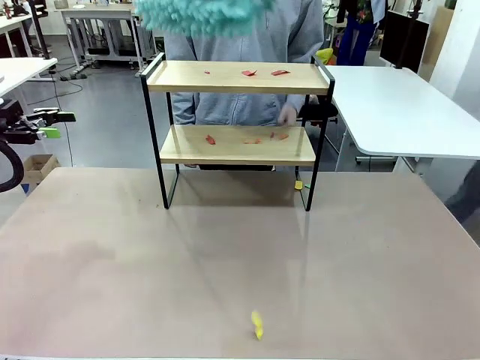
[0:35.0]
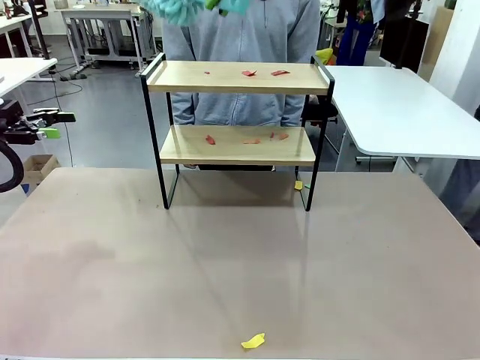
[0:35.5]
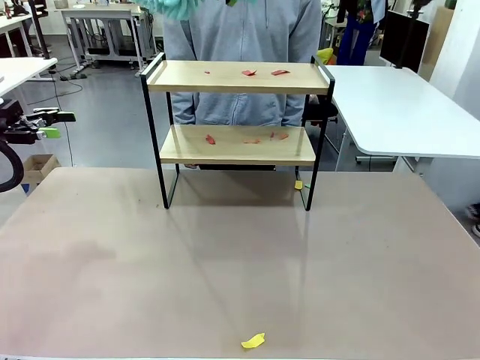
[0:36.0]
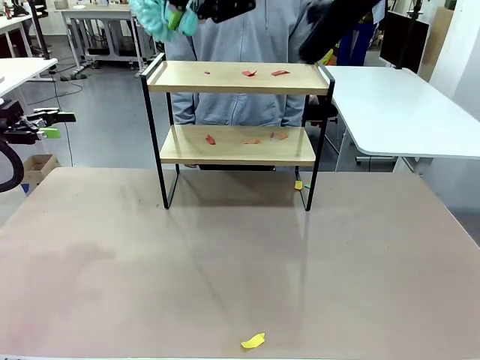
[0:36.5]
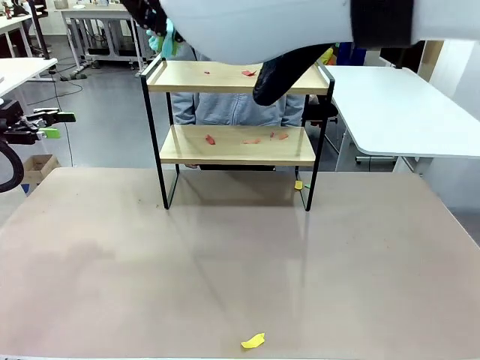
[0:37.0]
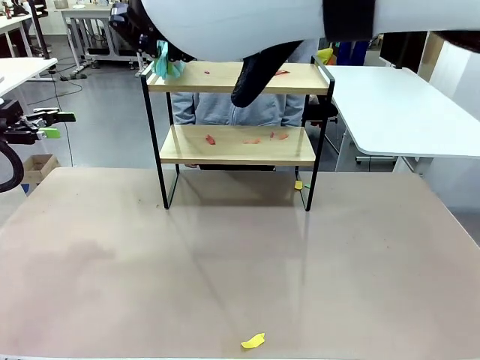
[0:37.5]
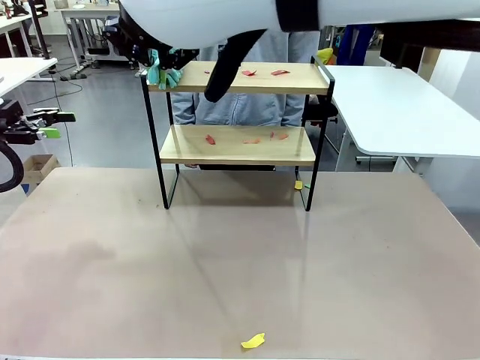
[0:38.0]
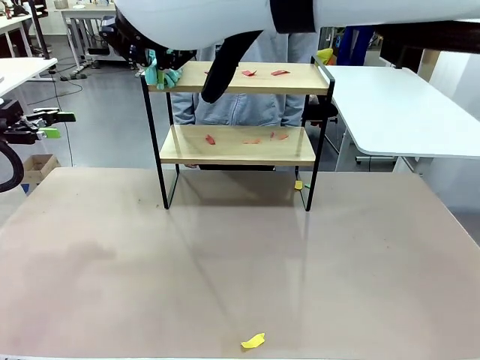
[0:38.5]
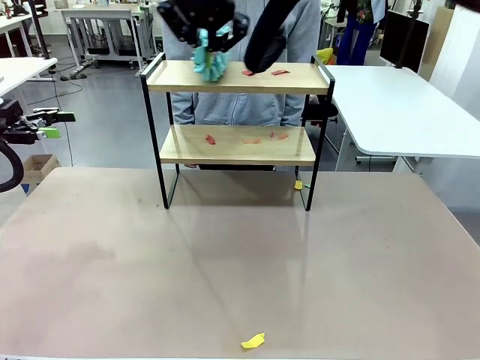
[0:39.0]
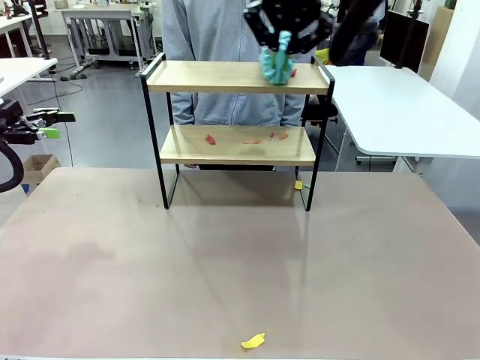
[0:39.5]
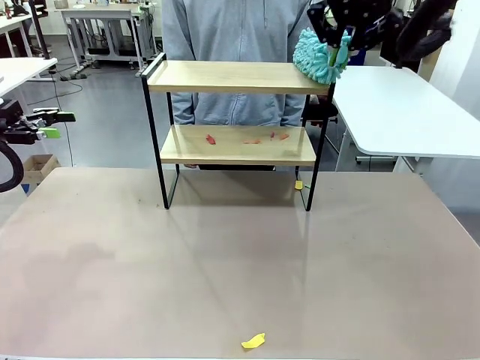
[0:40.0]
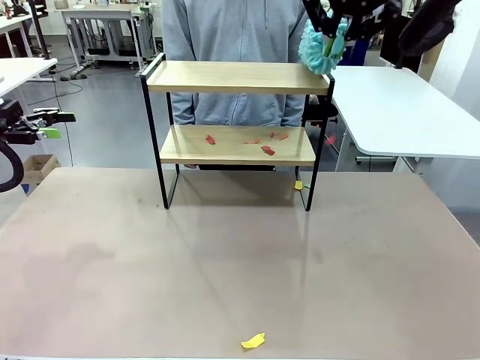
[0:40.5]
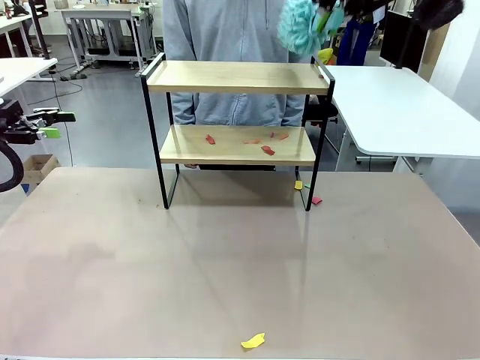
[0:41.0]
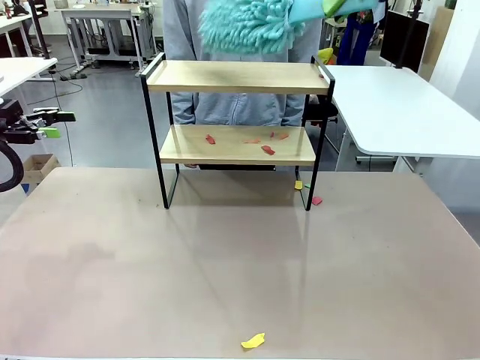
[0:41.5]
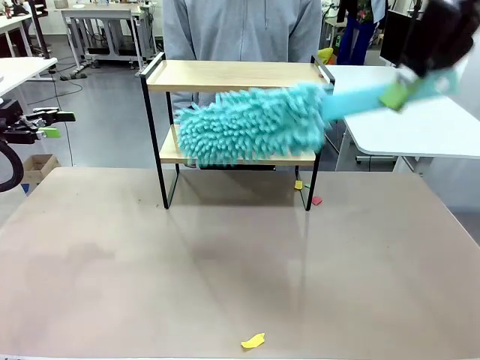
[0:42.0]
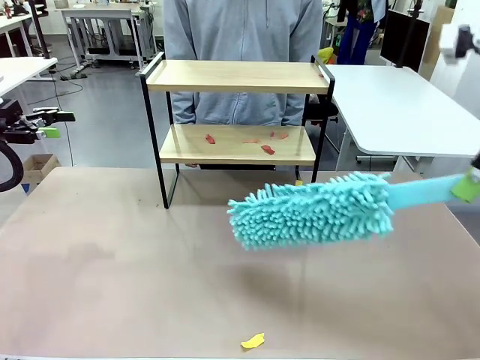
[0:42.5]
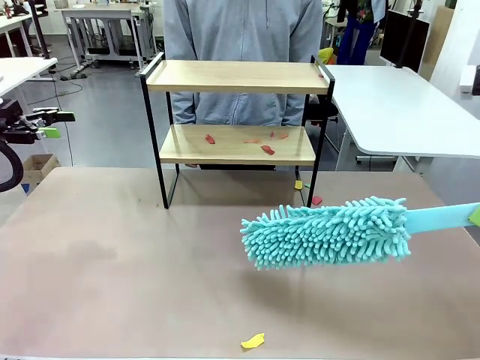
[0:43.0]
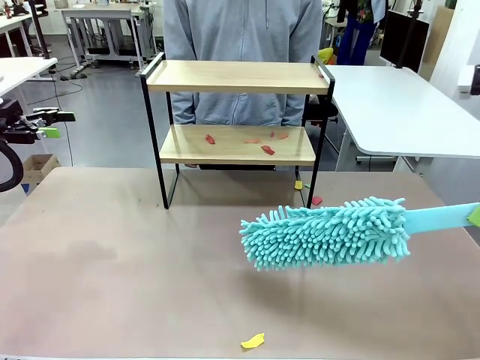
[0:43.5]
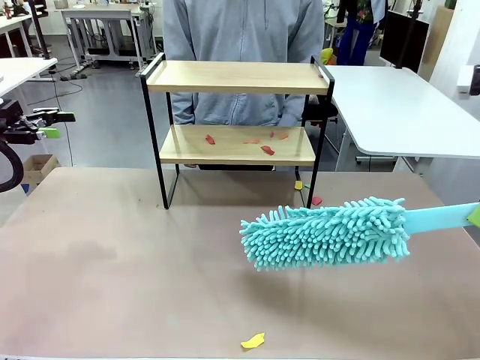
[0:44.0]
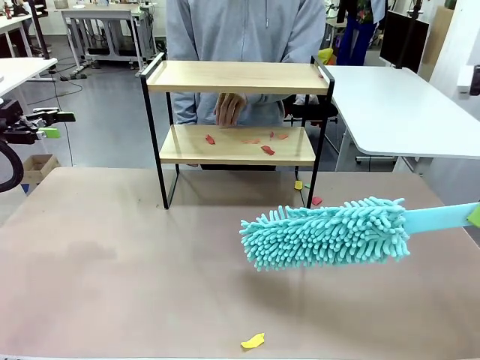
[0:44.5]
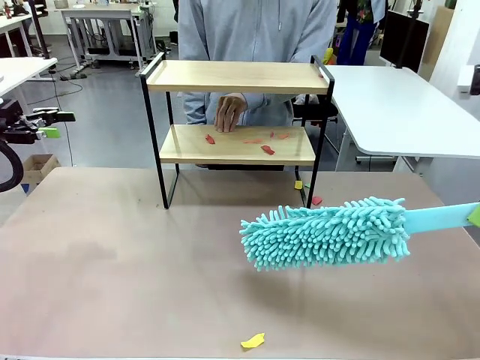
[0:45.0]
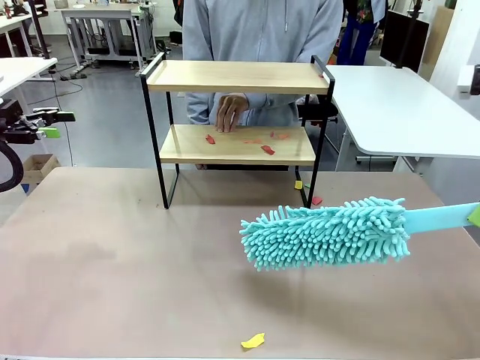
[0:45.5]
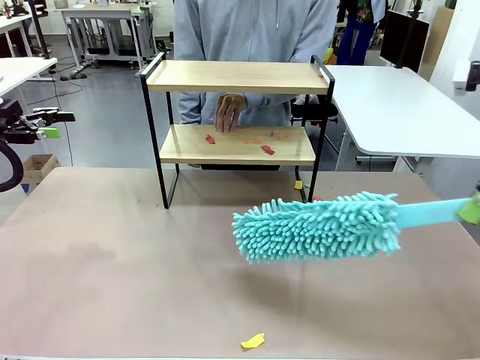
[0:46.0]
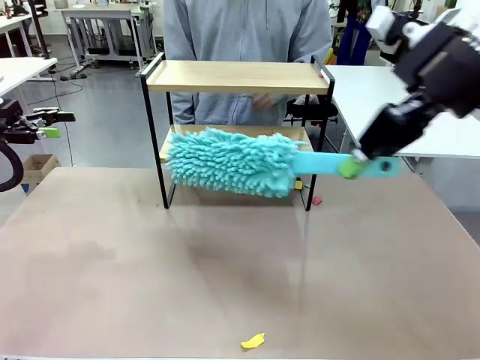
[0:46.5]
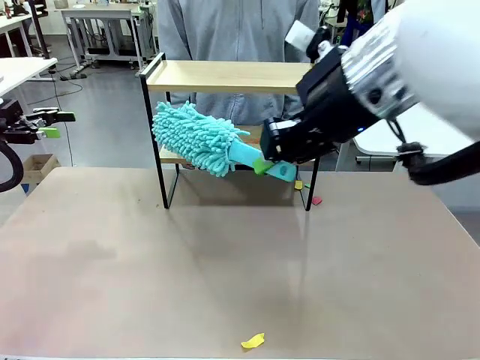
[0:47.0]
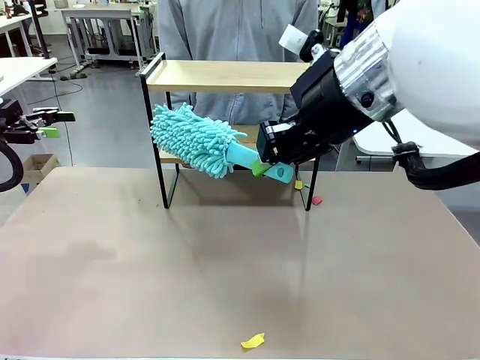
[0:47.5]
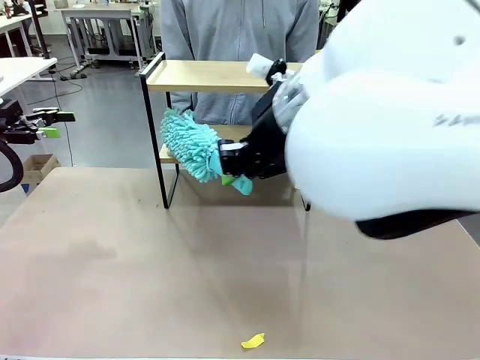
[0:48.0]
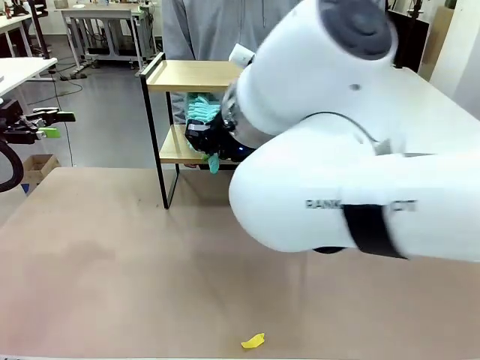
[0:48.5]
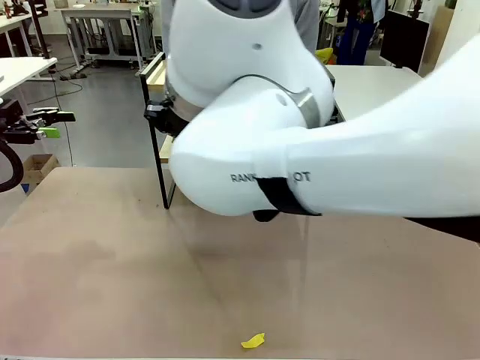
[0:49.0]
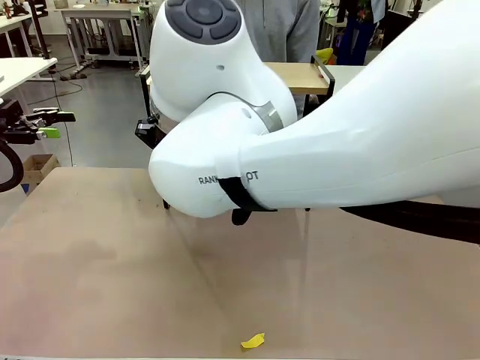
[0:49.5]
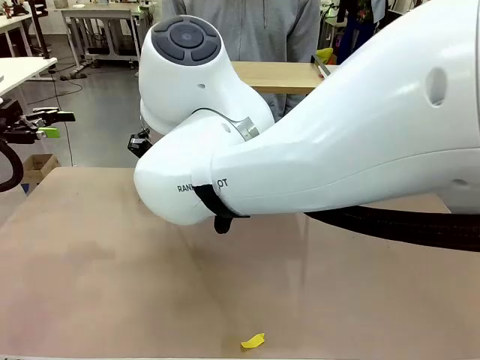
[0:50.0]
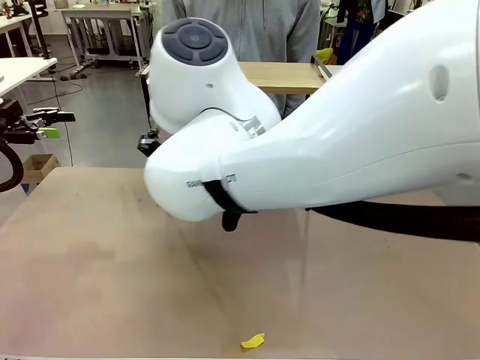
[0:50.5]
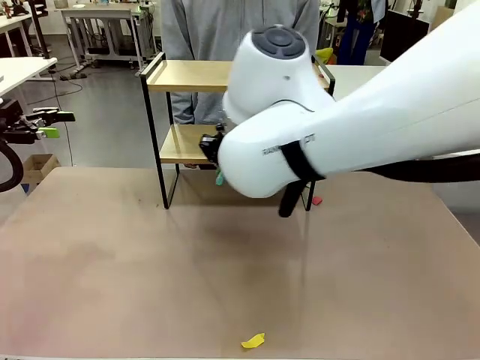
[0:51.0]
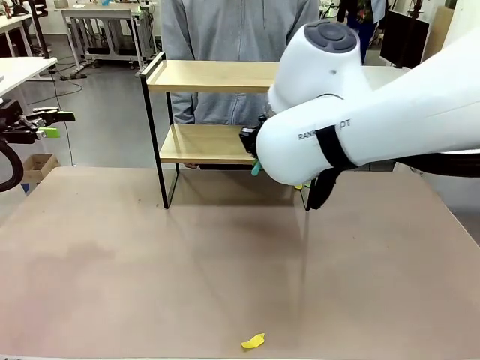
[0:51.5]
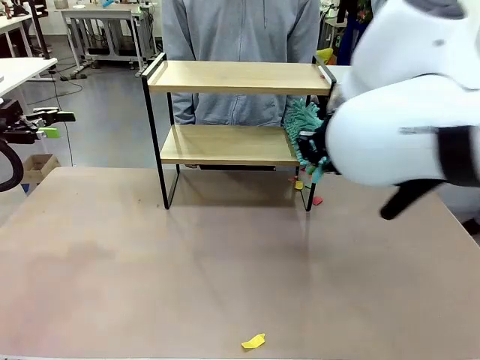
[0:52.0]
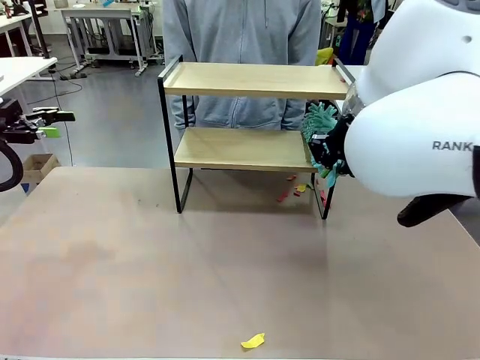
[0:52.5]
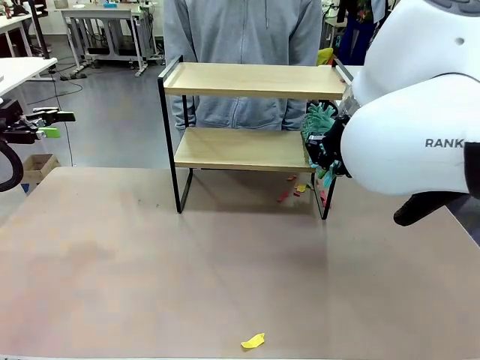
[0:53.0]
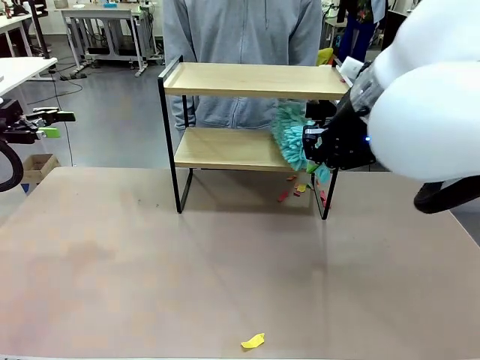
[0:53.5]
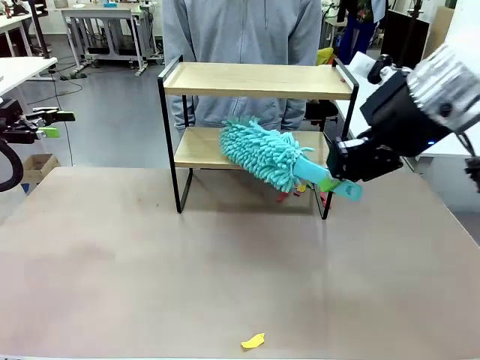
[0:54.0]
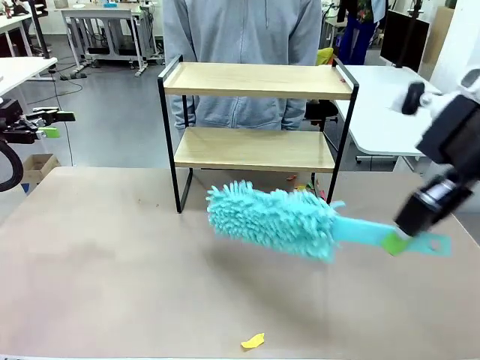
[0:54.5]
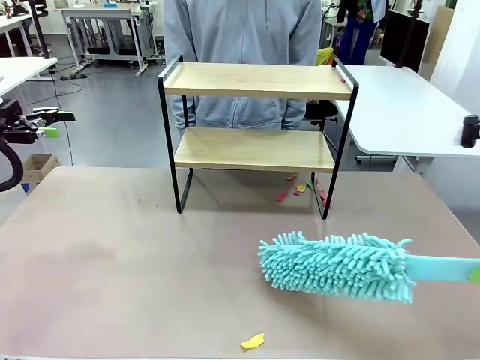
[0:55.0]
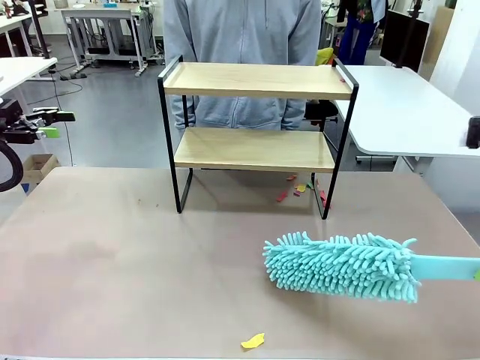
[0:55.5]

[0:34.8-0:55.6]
Task: Clean the shelf.
Robot: Clean the specific section of the Shelf indicated by the human with the Duster.
Person: Point a remaining section of the Shelf.
